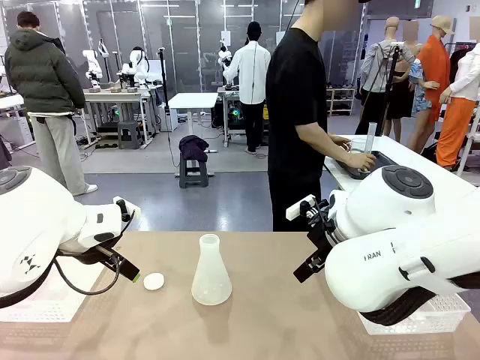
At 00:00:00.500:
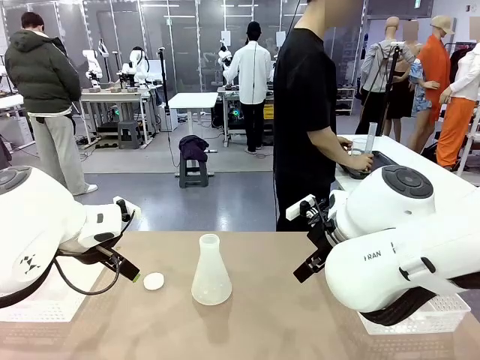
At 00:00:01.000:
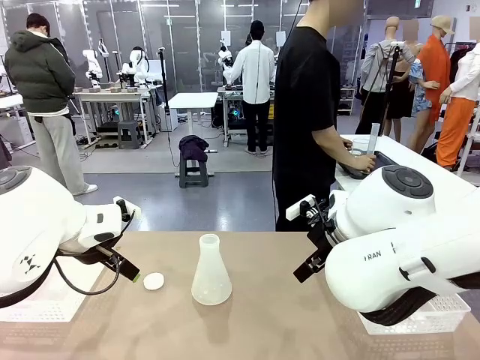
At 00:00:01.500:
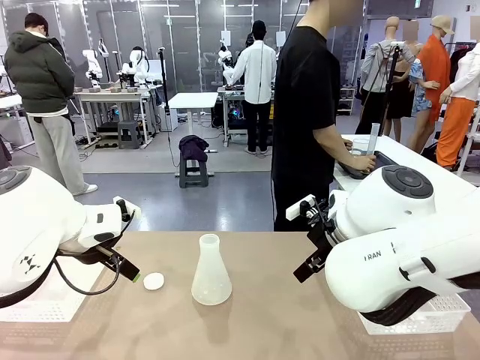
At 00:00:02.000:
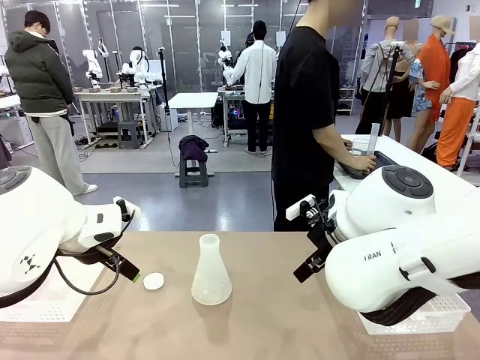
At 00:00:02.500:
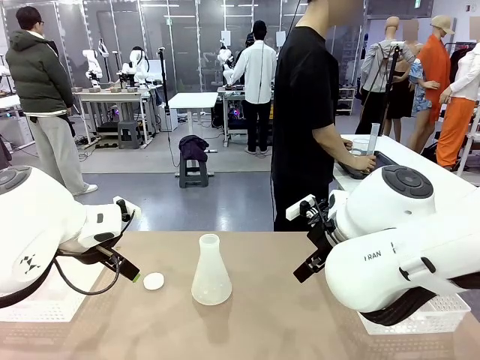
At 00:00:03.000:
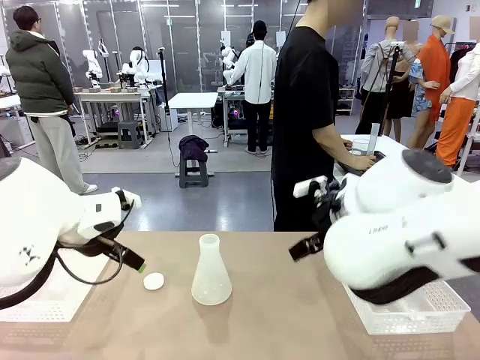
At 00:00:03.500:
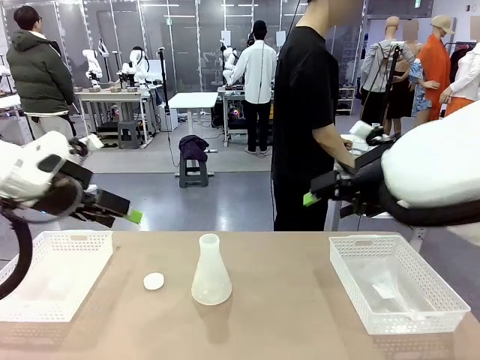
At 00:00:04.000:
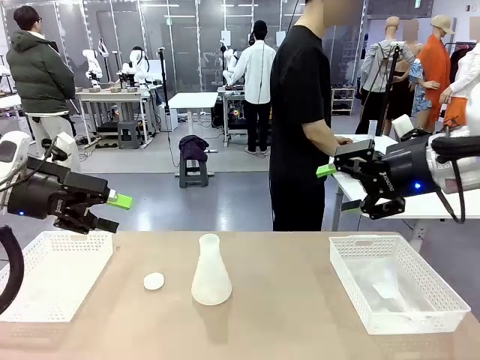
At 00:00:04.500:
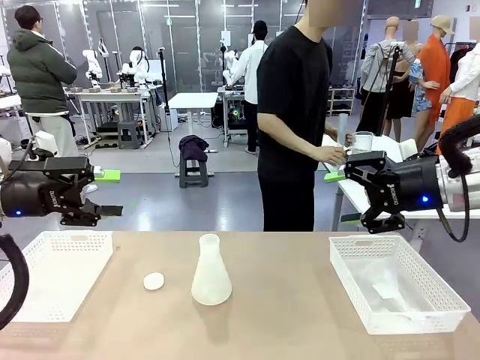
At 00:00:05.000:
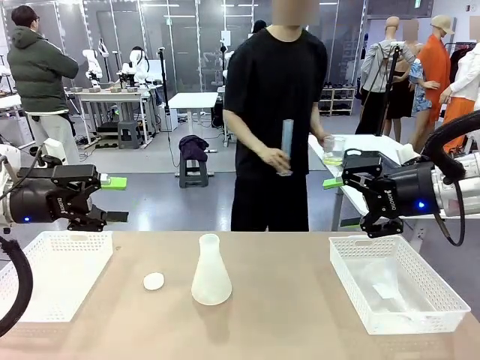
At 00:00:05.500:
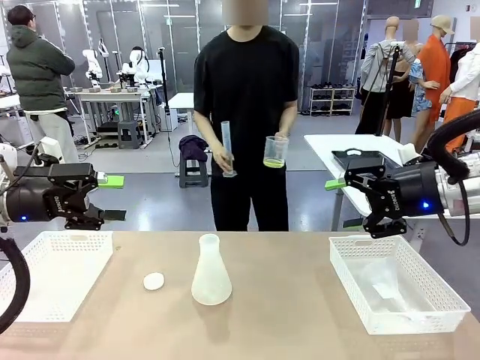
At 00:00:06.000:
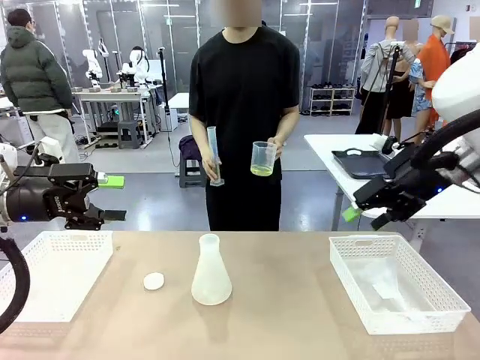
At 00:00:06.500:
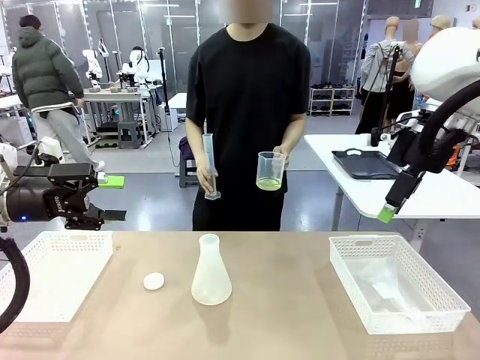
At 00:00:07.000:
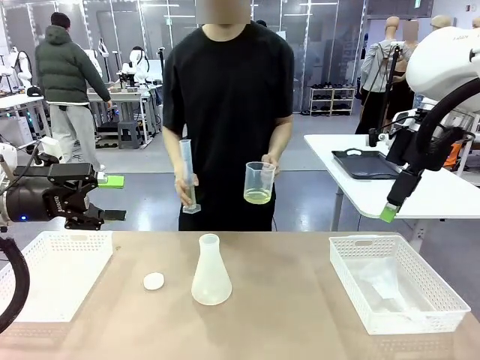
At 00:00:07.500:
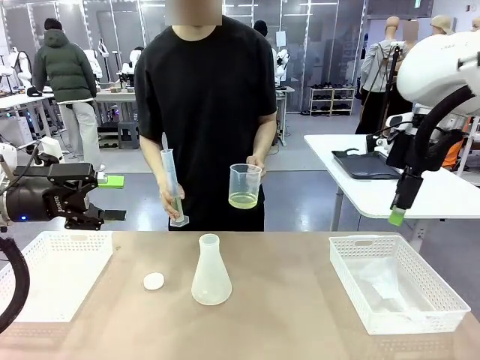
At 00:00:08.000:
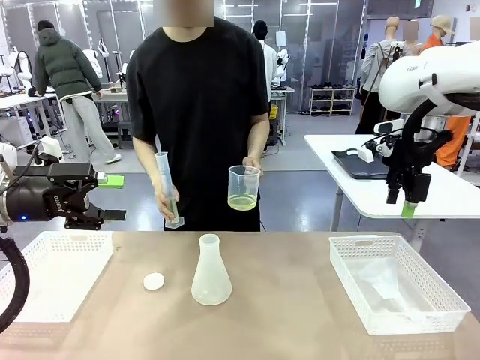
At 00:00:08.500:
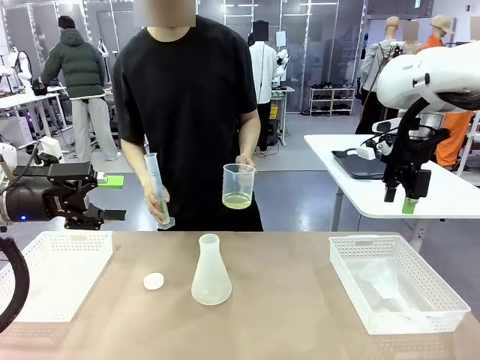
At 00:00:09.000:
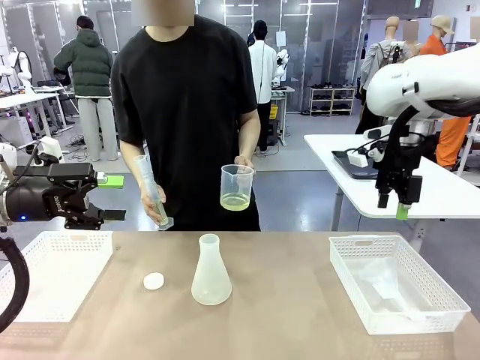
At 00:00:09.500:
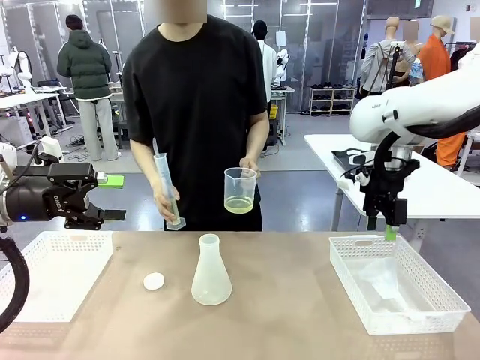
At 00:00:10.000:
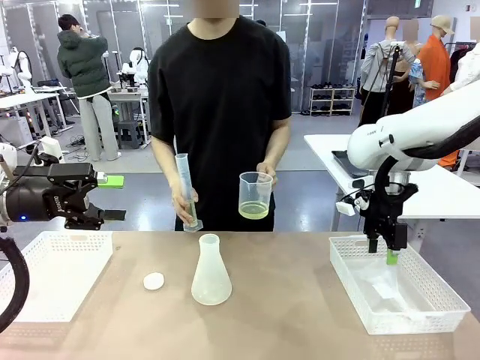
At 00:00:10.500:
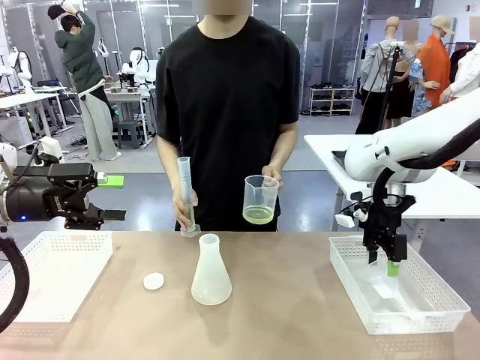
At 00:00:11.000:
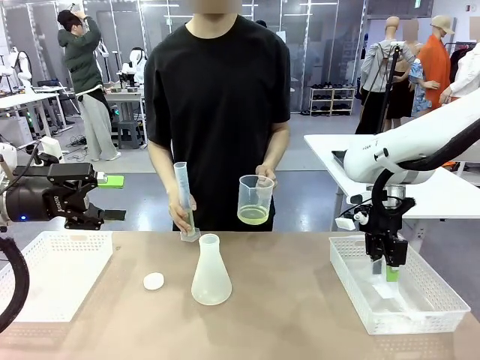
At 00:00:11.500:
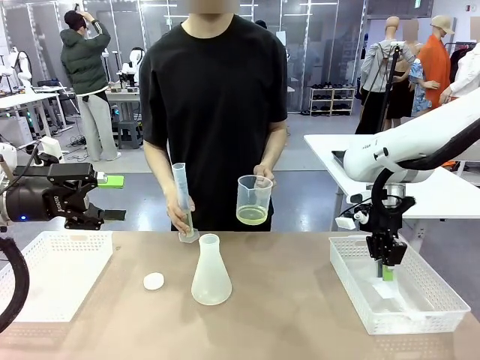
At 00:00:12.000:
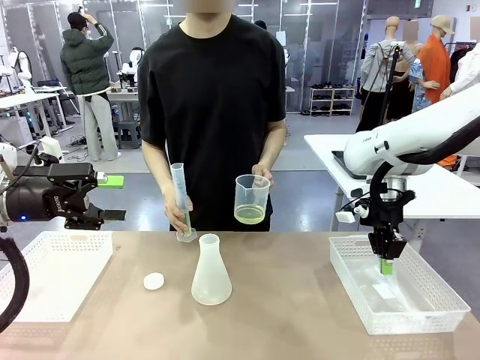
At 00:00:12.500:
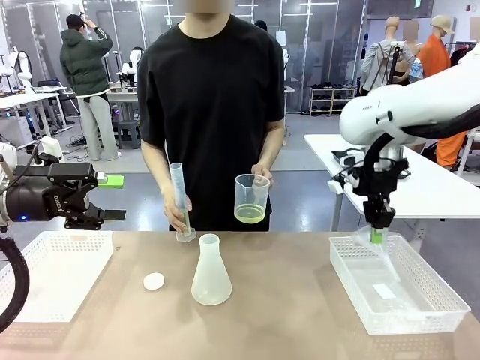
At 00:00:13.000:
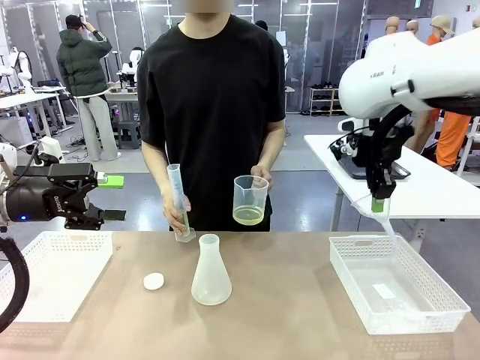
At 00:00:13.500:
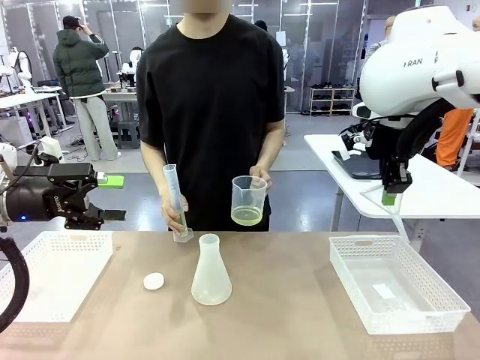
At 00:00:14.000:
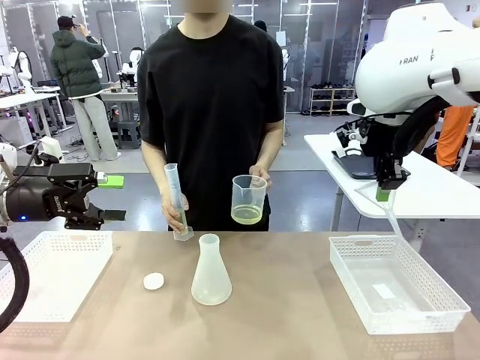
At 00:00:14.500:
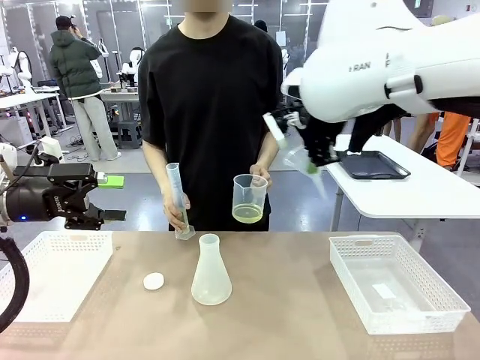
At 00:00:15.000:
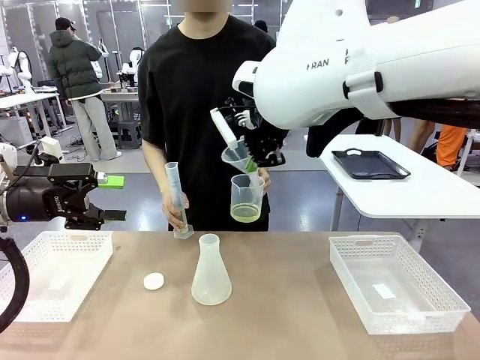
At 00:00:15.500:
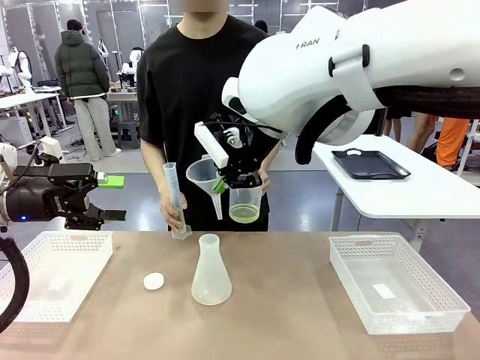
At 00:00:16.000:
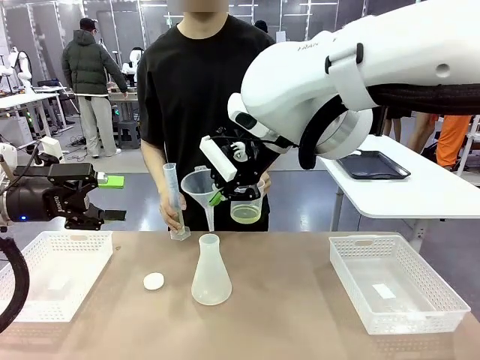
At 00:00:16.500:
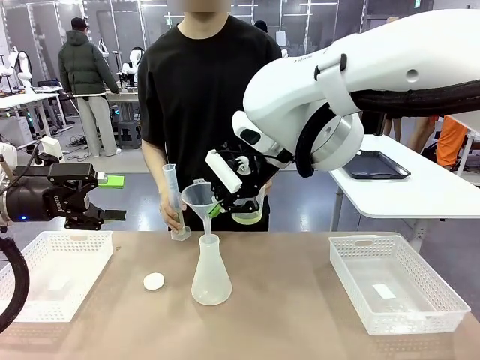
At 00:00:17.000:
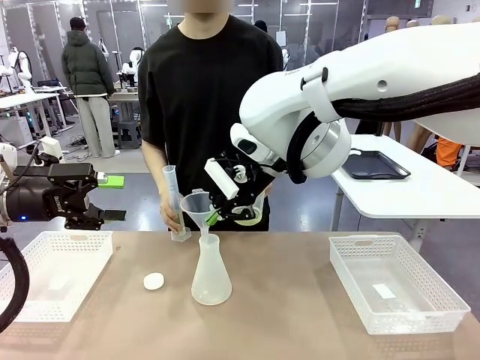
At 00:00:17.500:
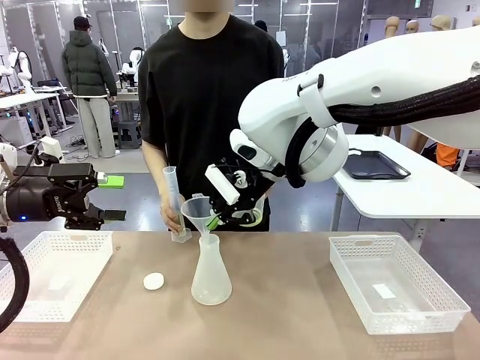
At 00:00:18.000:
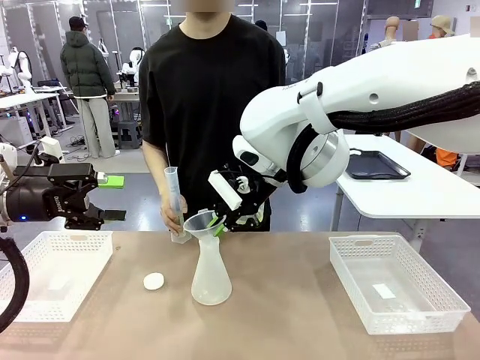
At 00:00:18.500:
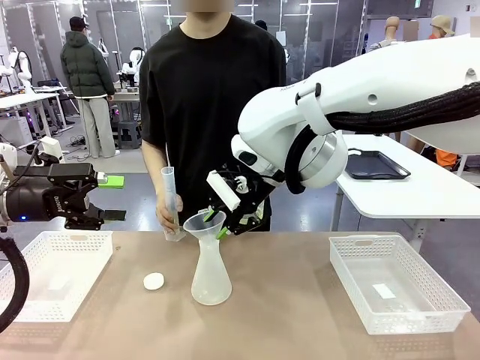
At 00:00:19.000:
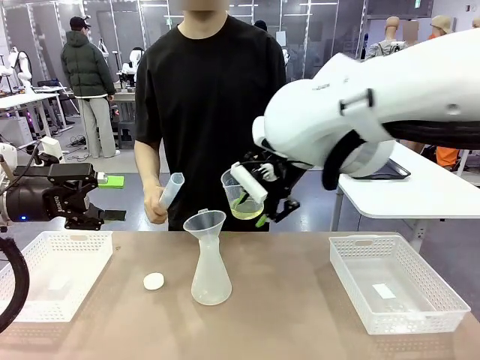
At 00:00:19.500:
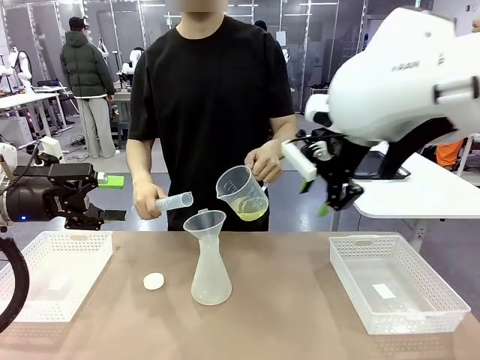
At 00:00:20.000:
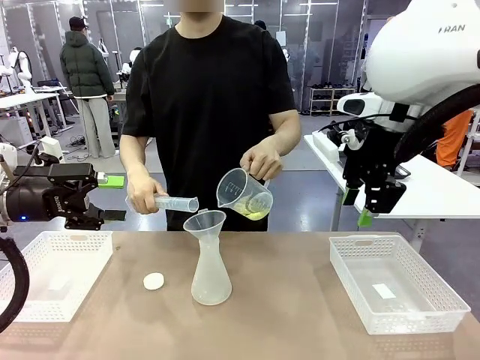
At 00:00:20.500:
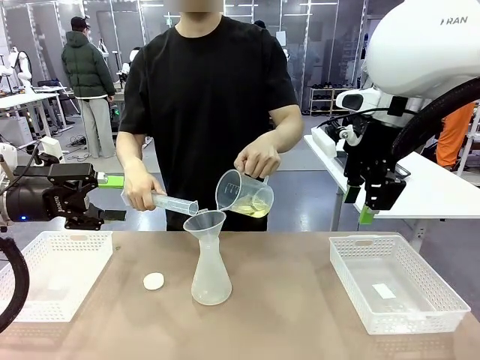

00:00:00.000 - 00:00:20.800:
Task: Prepare the solutions needed for the experiment.
Robot: Pick up the Plastic Funnel and insert it into the Big flask.
Person: Pick up the beaker and the cylinder and move to the middle of the robot table. Pour the solution from the beaker and the cylinder into the flask.
